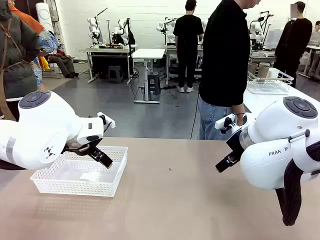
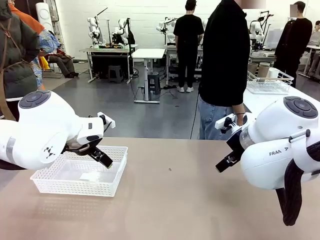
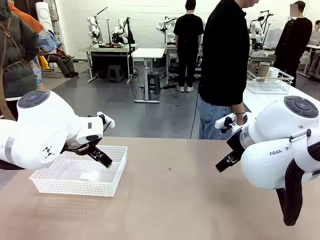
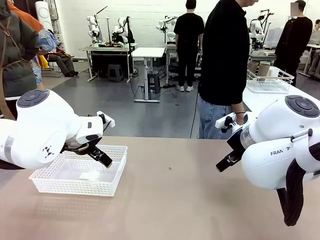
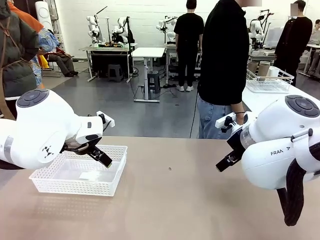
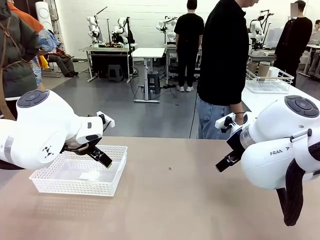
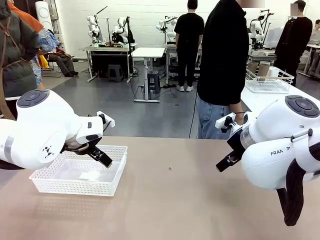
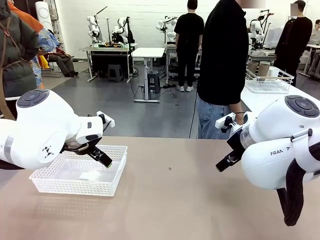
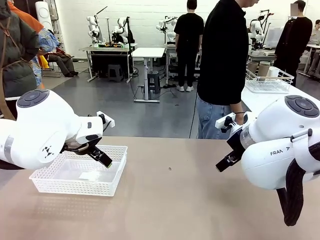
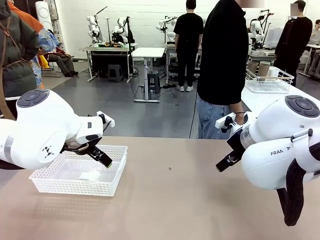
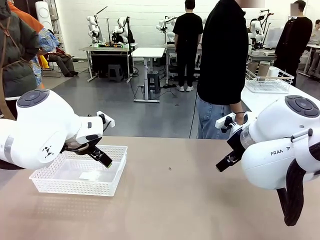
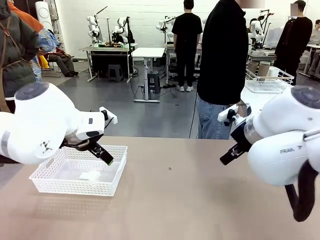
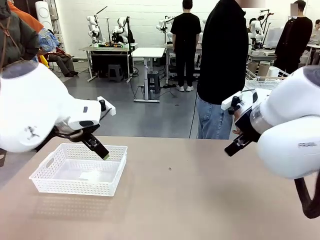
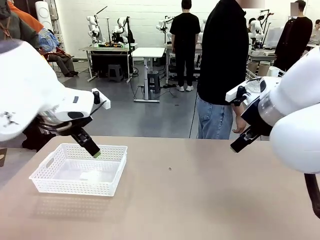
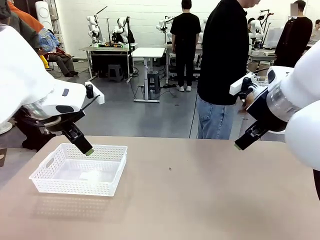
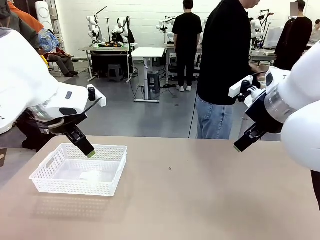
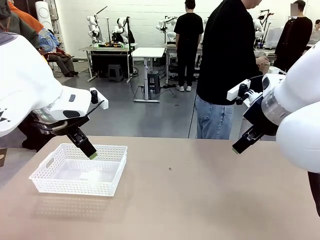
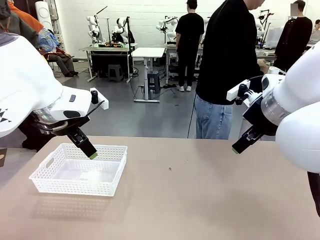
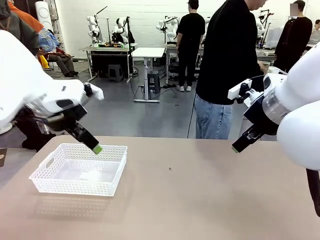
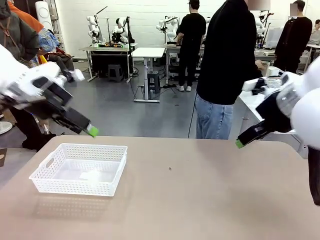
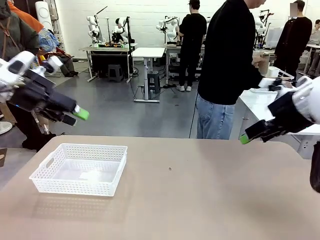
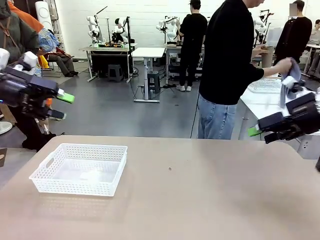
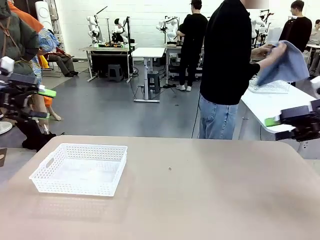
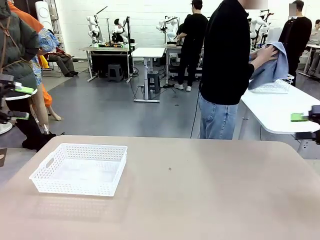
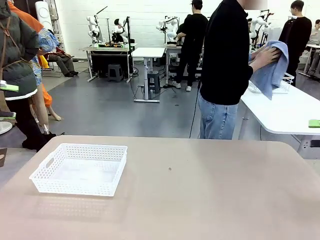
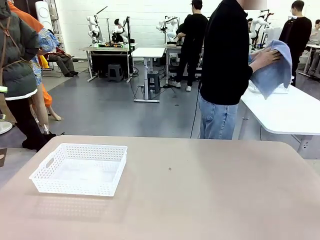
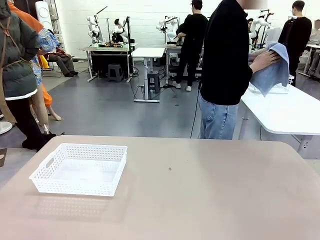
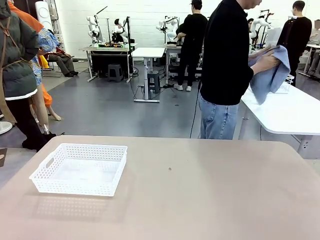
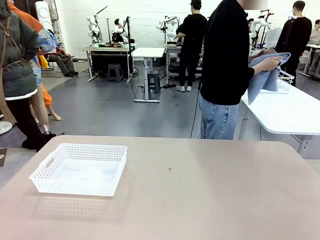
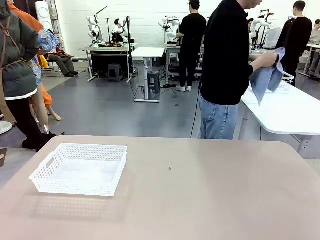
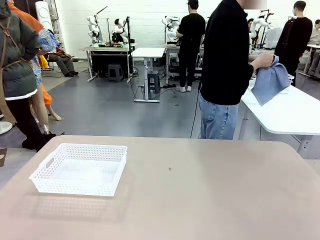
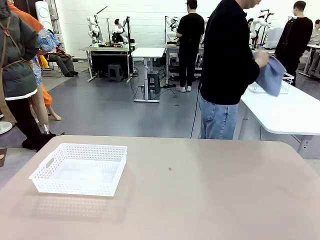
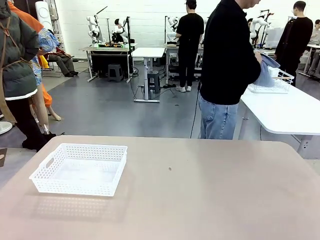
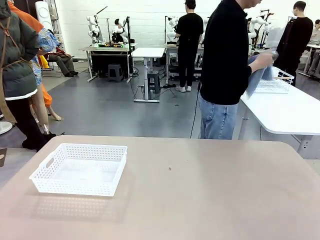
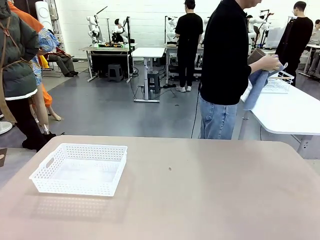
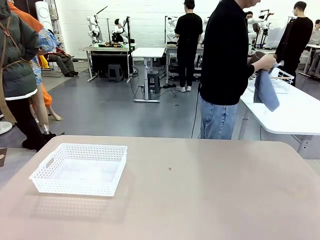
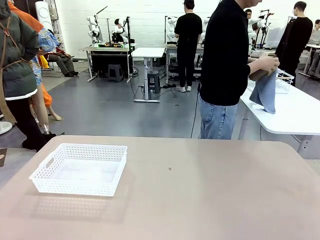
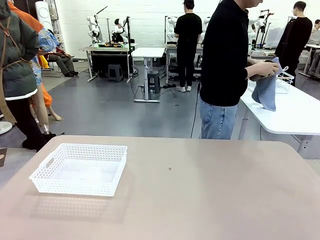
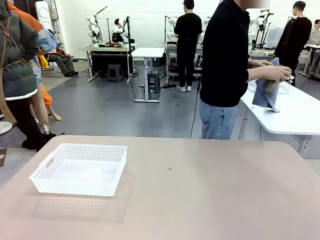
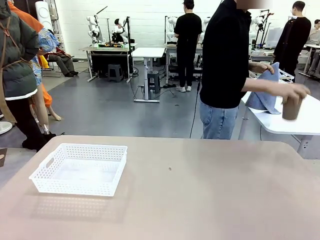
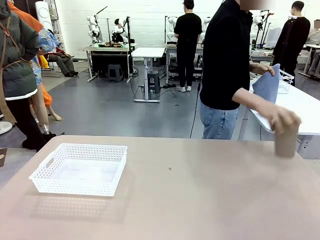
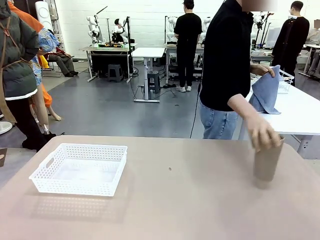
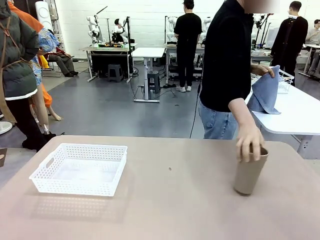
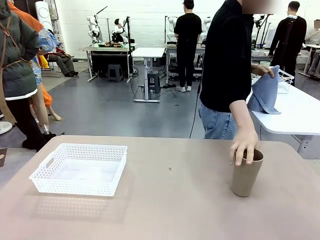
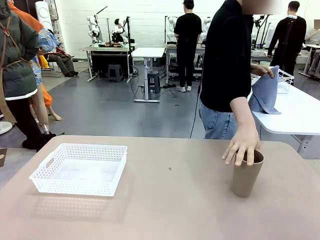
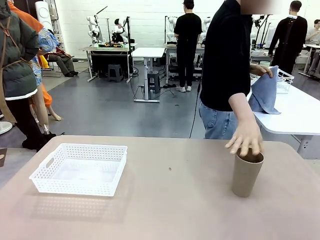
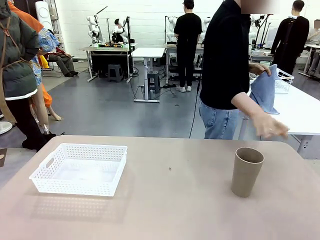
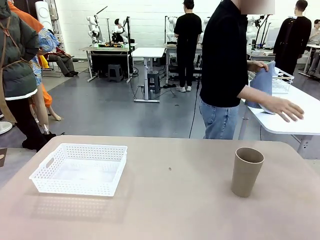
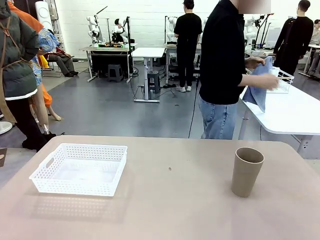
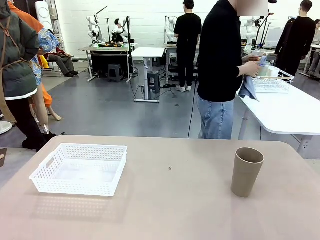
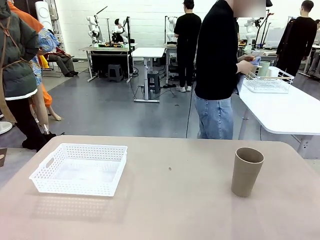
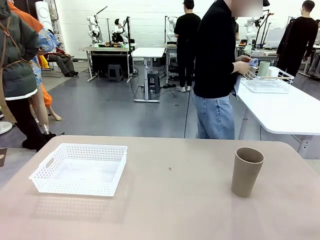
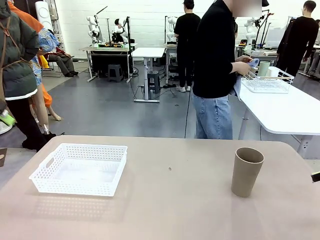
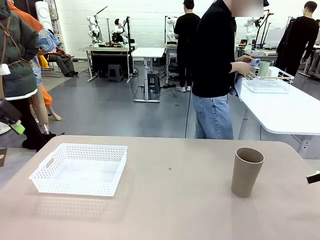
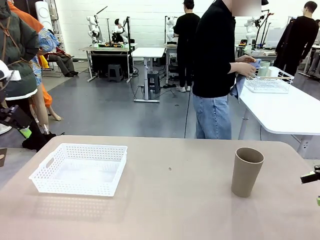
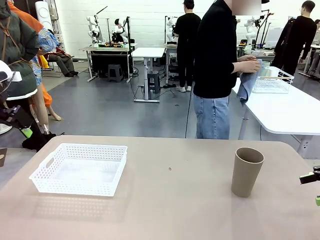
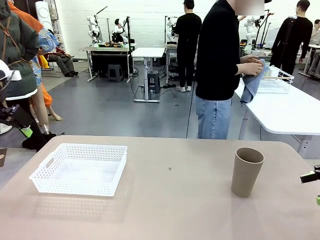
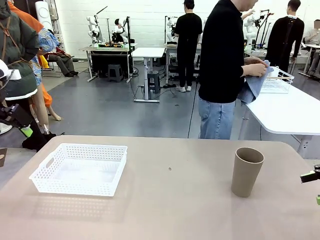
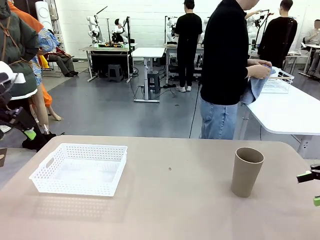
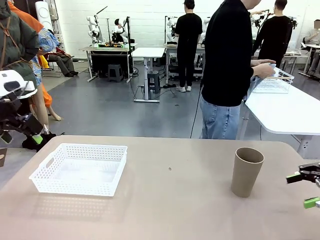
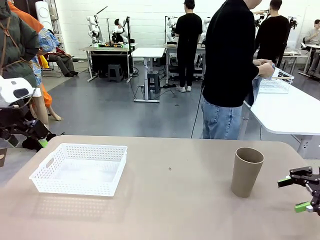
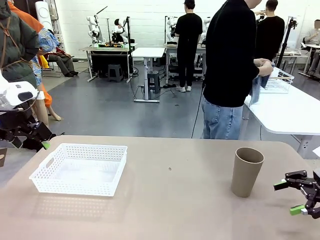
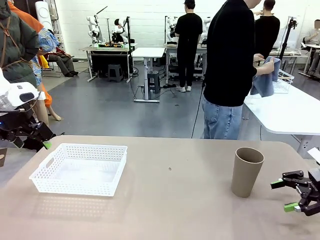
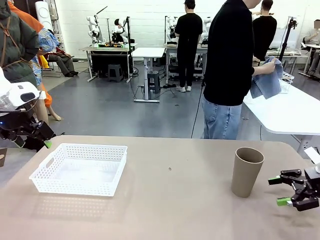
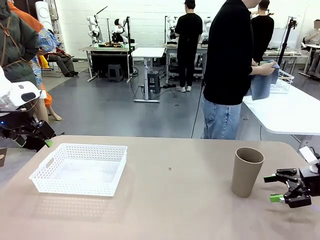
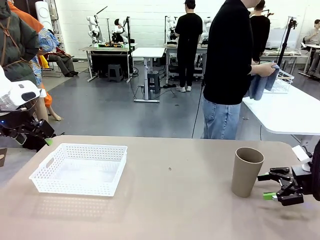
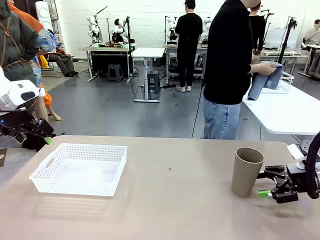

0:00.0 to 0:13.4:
Task: Clean and organize the cups into the basket.
Robot: Pick up the Organizing basket and move it to the center of the table, then pick up the Reusable plastic cup from the right side of the table and place it inside the Organizing basket.
Person: Picks up a cup and a towel, cleans the cup with the towel, and places it on the left side of the robot table.
